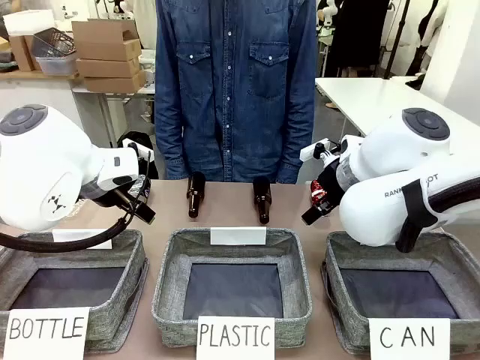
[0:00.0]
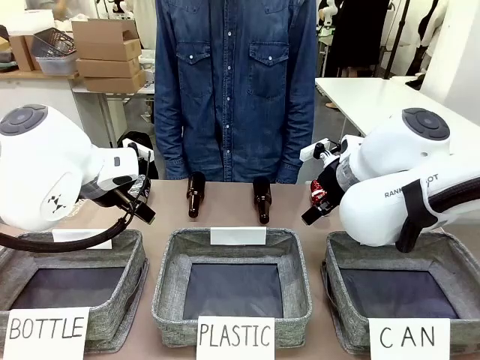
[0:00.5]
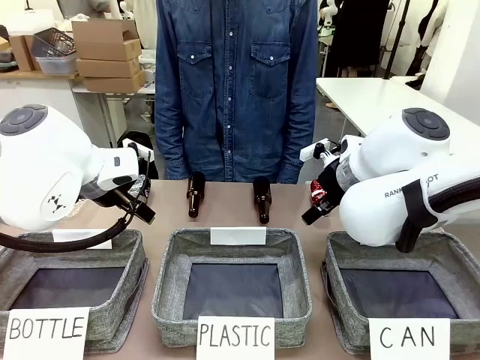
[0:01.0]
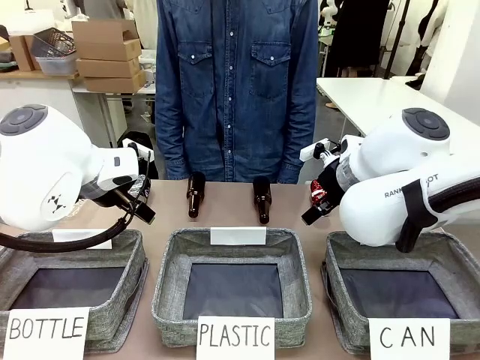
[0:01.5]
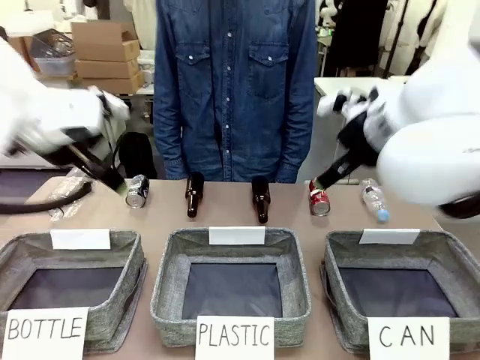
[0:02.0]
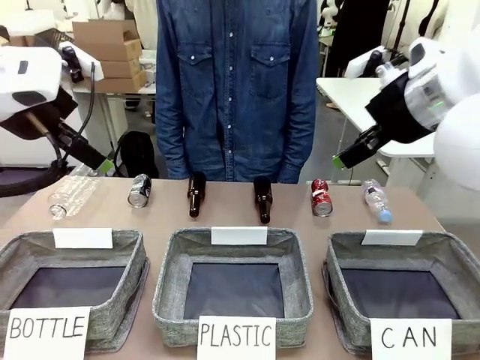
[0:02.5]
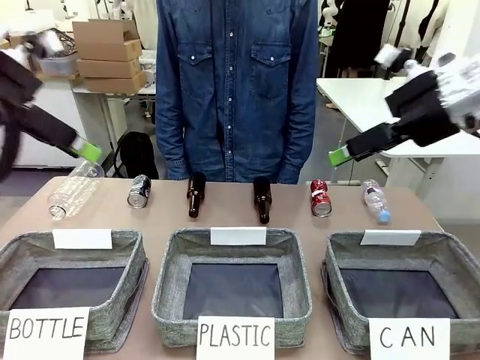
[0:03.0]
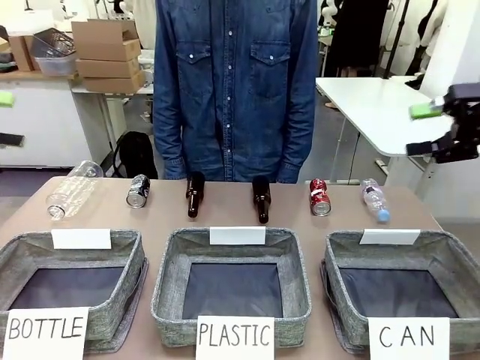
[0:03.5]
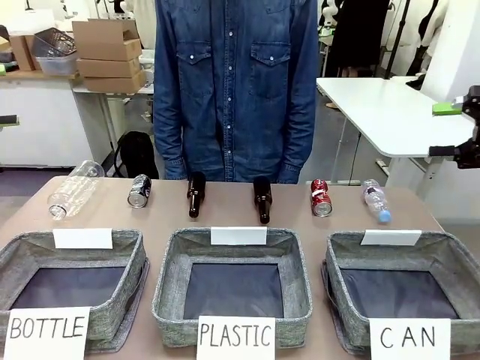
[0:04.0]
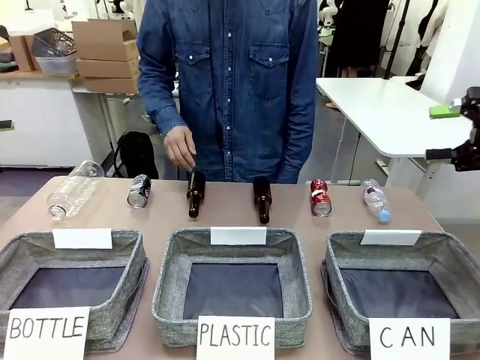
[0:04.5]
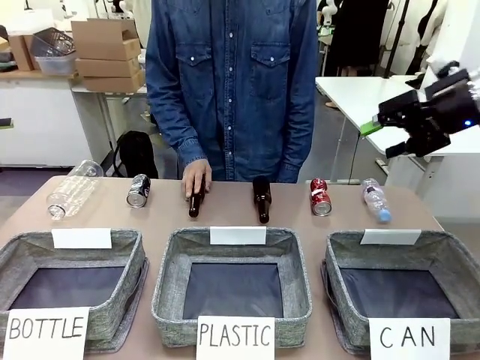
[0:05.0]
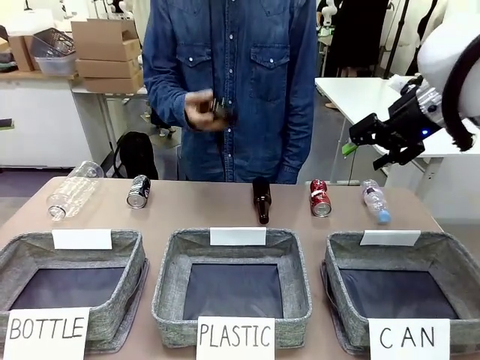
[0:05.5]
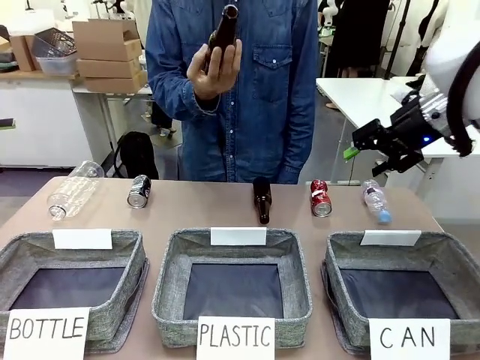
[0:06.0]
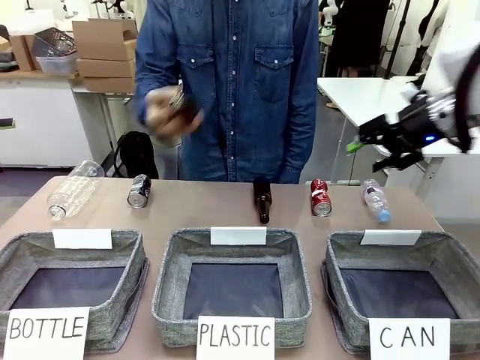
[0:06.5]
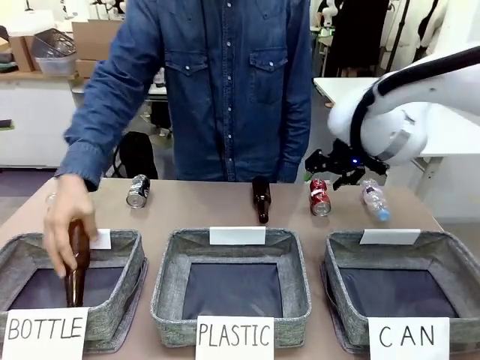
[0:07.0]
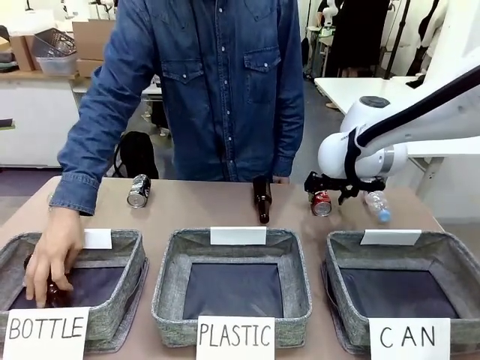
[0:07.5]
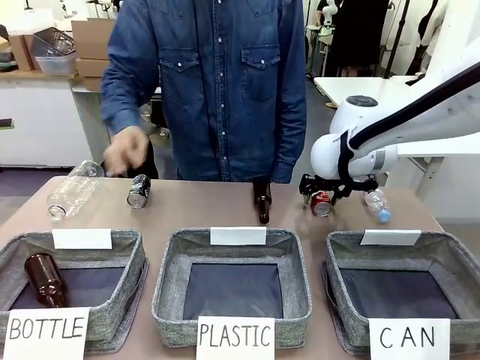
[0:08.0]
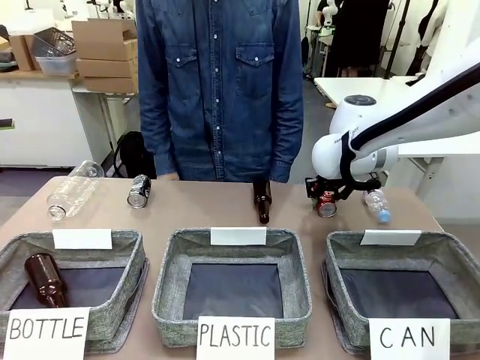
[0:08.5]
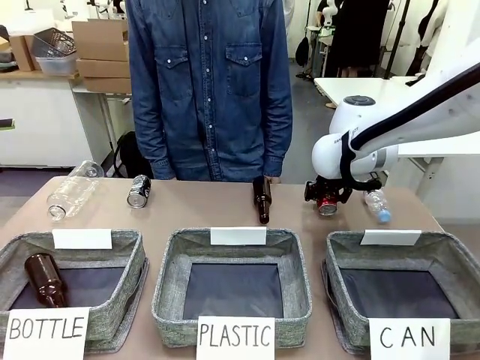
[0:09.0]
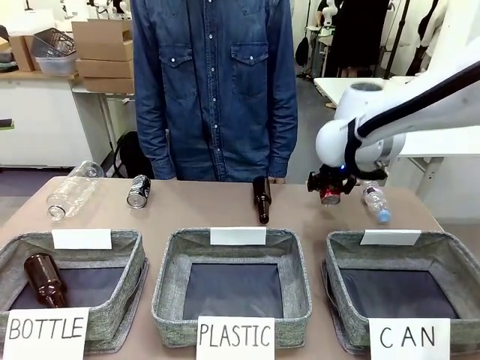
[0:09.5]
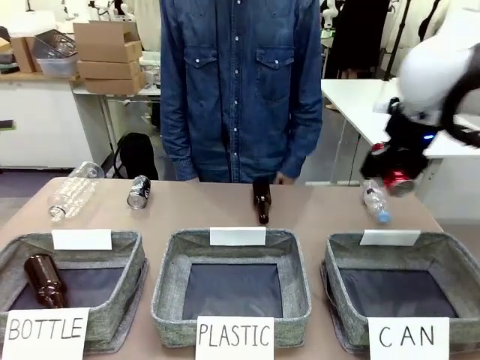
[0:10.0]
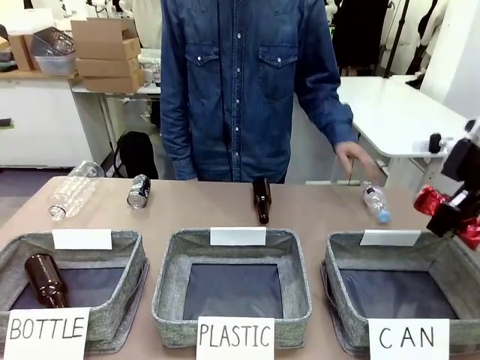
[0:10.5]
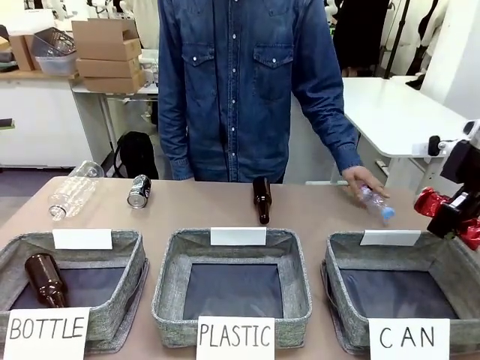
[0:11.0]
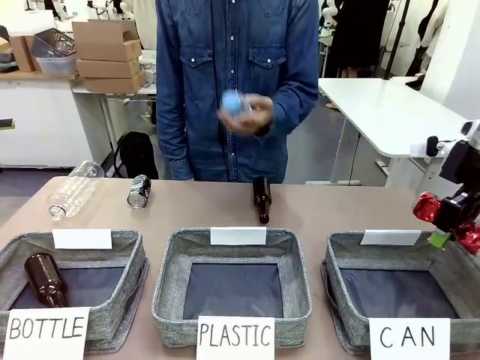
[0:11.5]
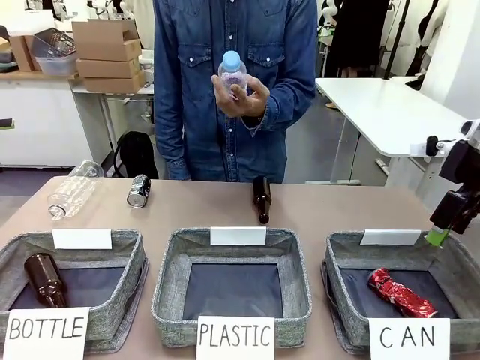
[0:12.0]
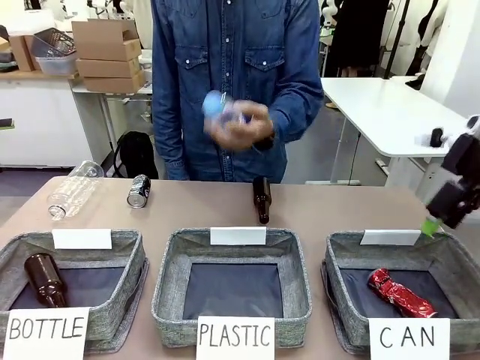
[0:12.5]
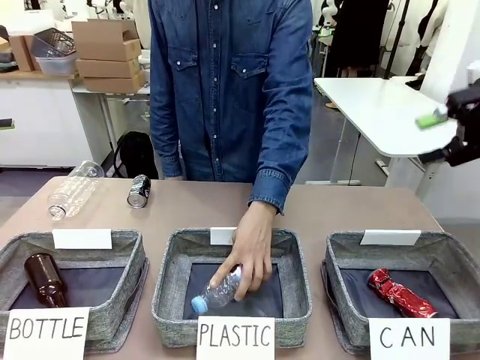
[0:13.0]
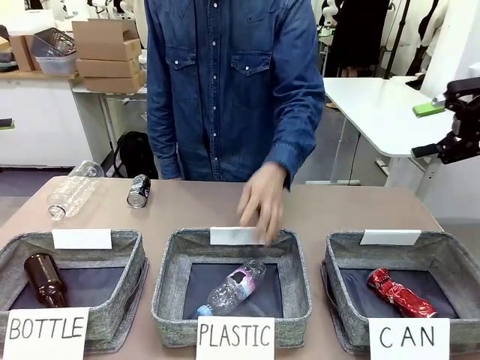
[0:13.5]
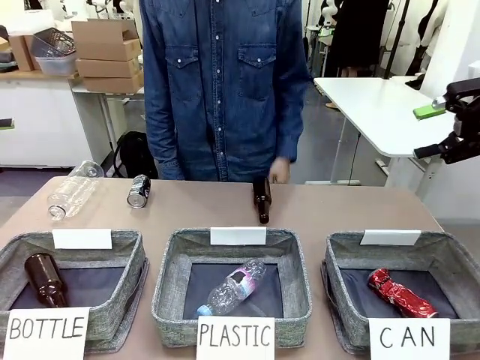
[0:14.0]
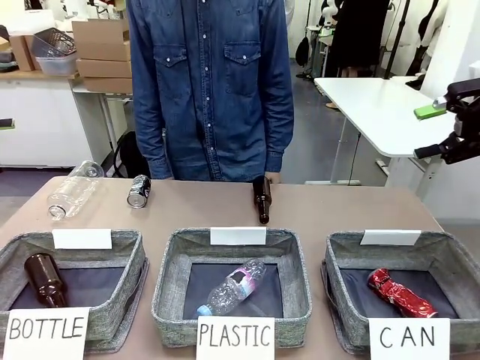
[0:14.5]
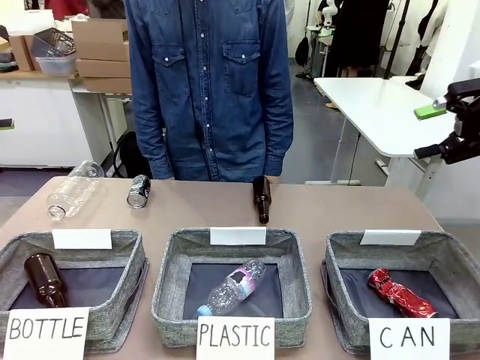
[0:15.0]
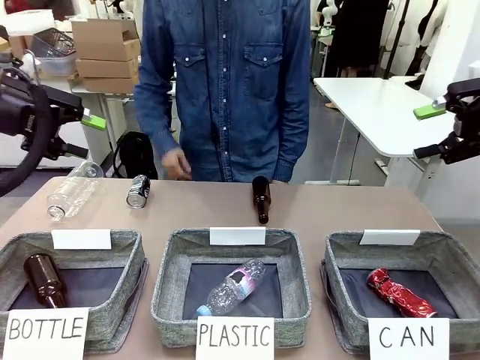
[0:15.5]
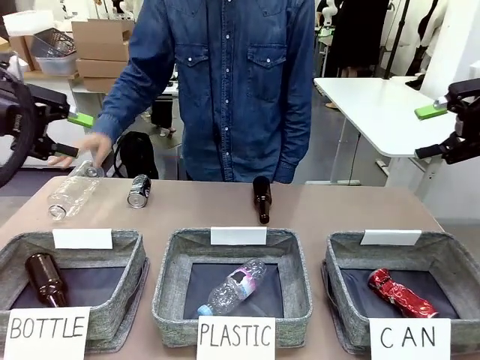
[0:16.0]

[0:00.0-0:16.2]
Task: Sort the can waste into the basket.
Robot: Pick up the can waste from the table and place it in the right Fabric basket.

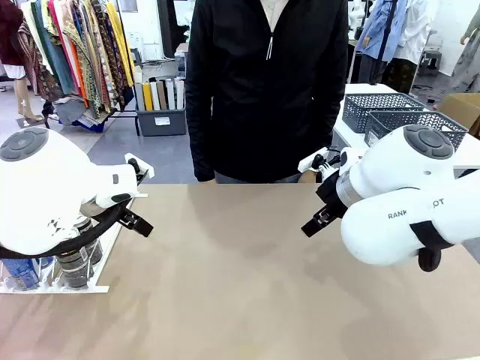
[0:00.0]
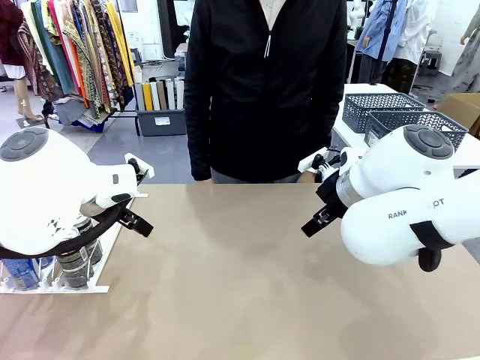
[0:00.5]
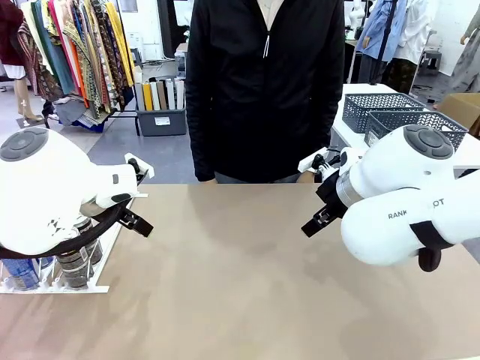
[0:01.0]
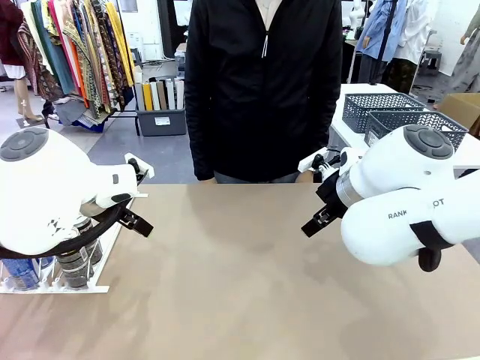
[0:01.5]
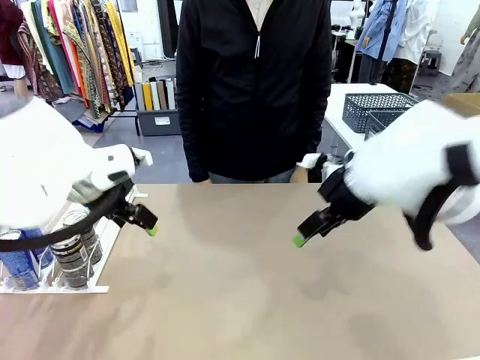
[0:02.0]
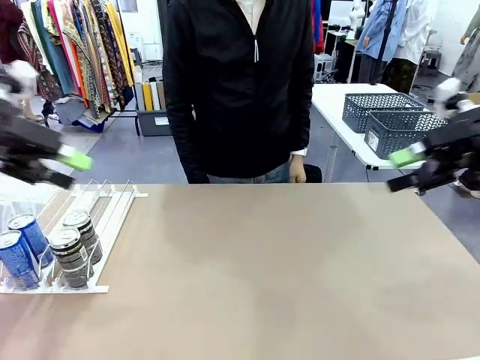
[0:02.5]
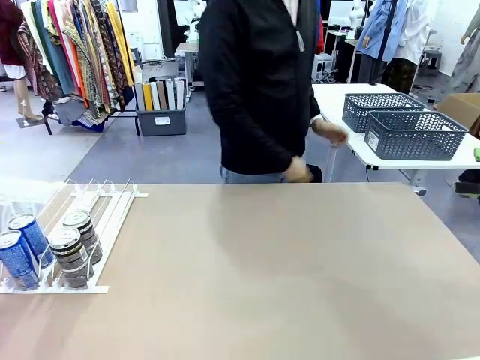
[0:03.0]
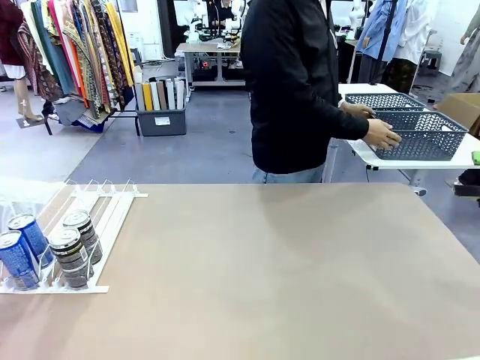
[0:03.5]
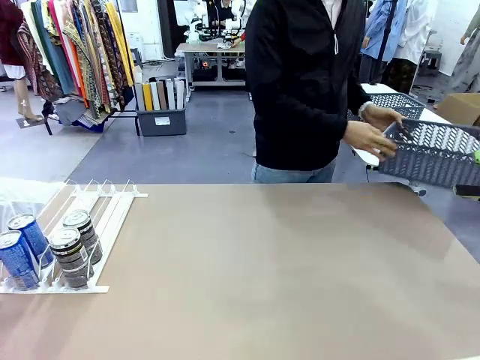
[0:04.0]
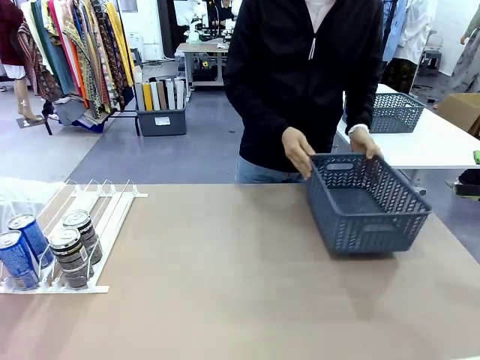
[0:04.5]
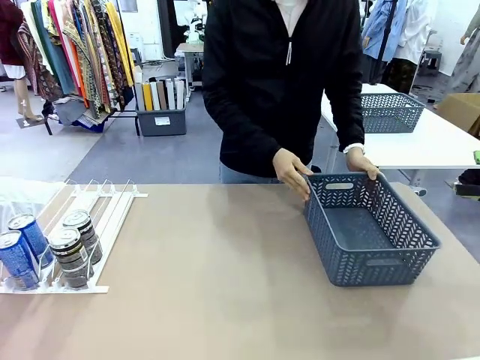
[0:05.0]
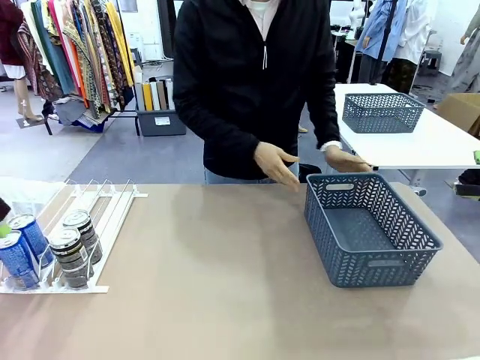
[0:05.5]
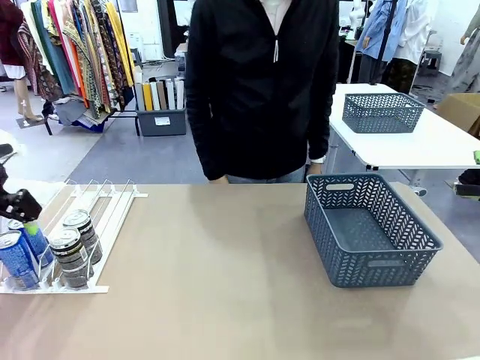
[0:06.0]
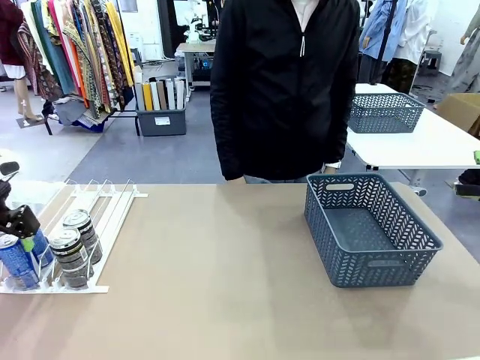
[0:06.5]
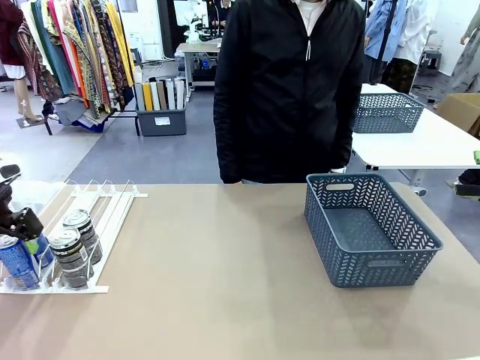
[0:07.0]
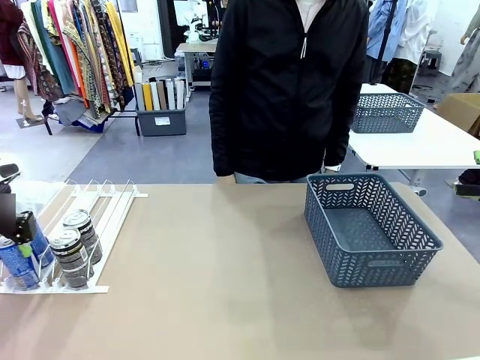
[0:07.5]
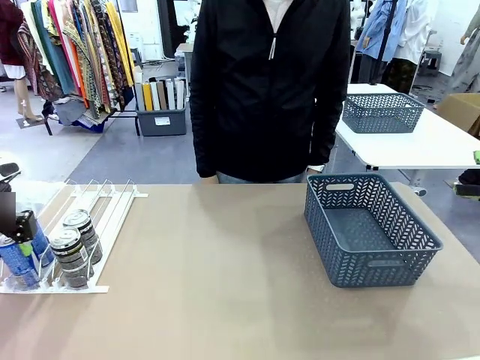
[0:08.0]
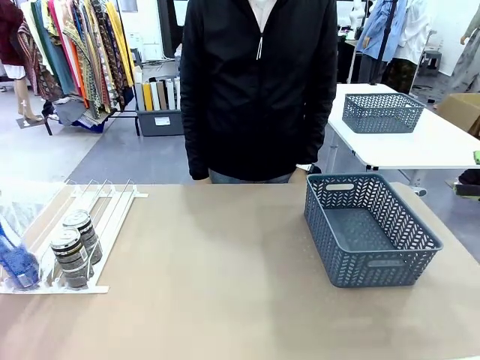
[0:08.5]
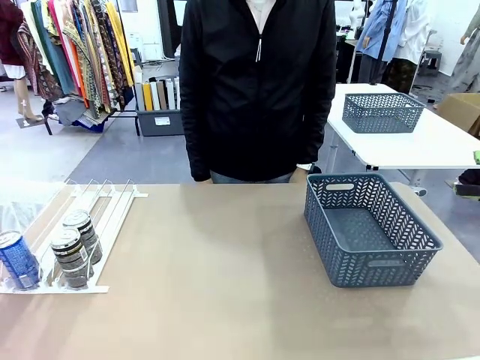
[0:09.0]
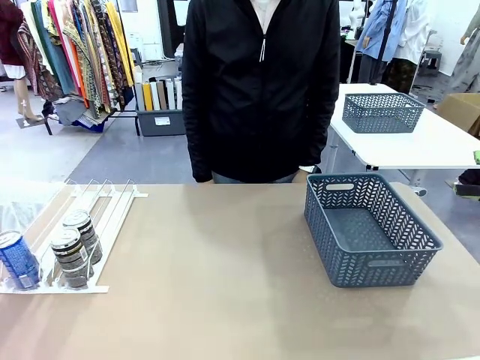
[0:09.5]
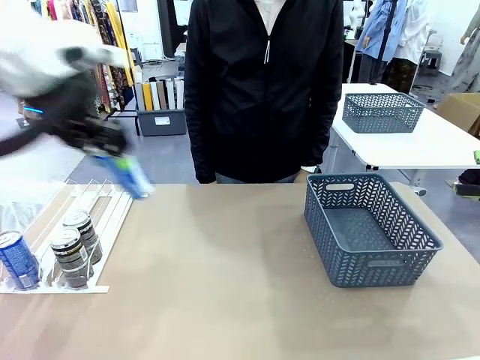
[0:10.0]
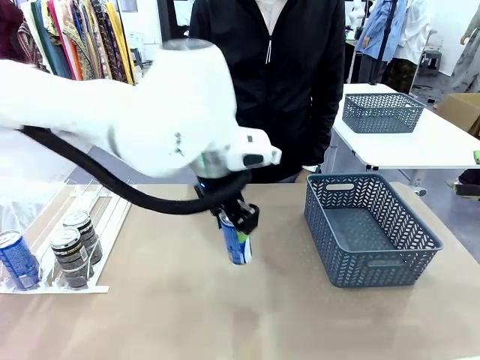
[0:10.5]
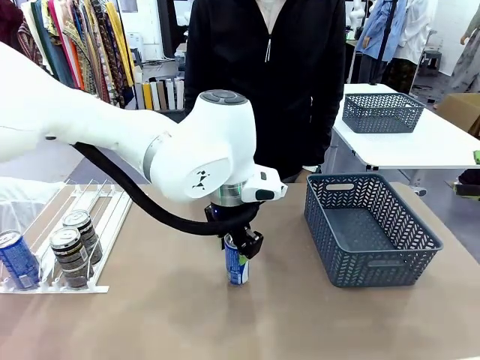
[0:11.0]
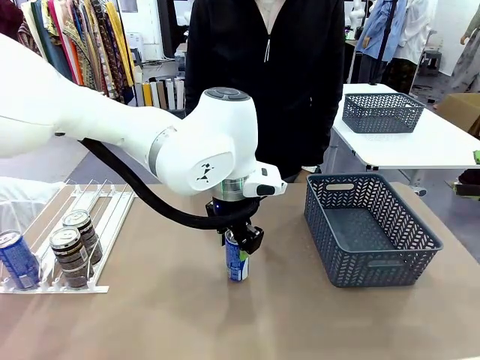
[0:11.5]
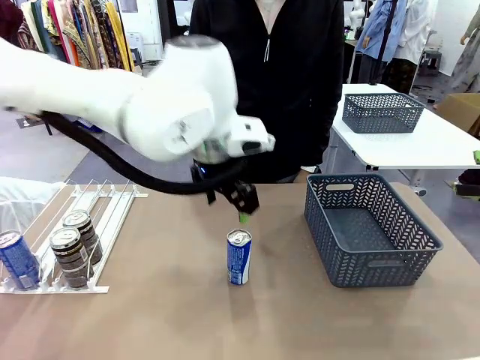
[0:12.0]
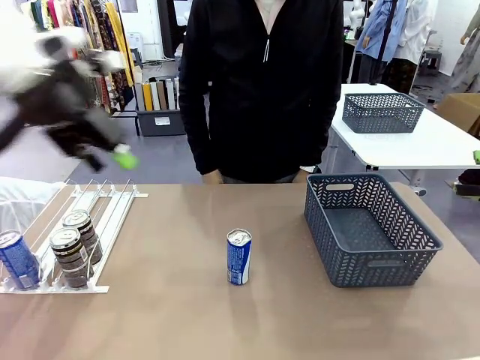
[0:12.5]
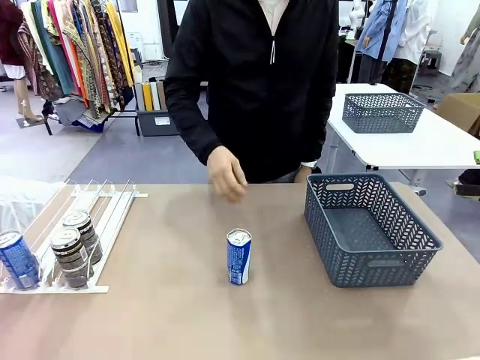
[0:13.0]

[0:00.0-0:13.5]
Task: Retrieve and store the cans from the dispenser.
Robot: Pick up one can from the Automatic Can Dispenser and place it in the middle of the table.
Person: Pick up the basket and place it on the left side of the robot table.
